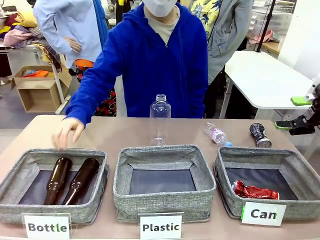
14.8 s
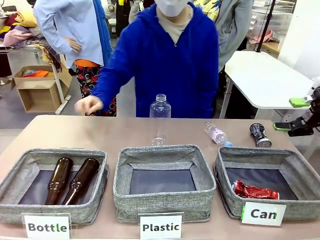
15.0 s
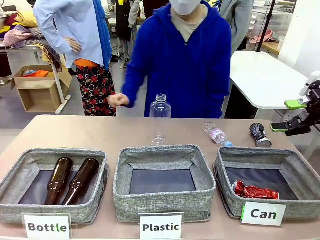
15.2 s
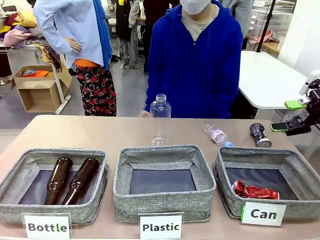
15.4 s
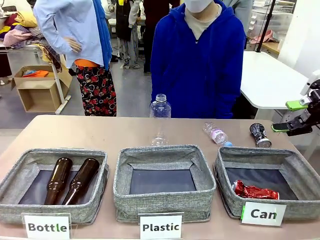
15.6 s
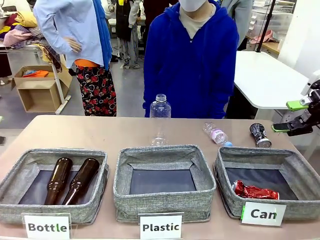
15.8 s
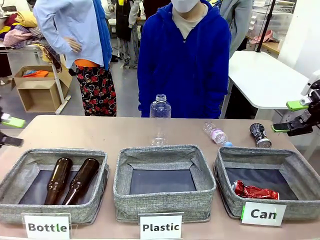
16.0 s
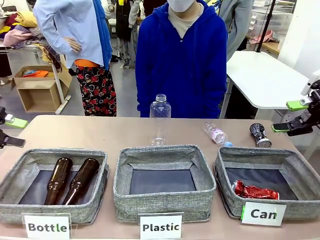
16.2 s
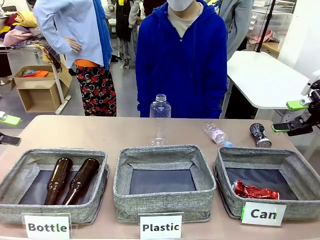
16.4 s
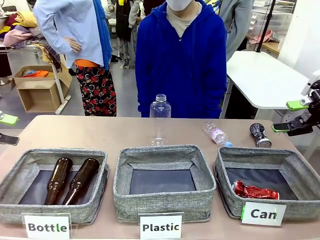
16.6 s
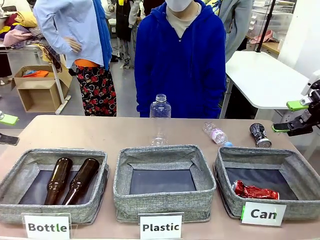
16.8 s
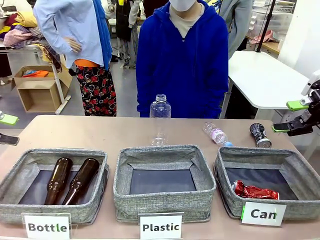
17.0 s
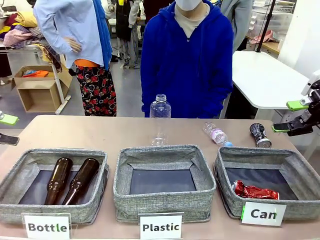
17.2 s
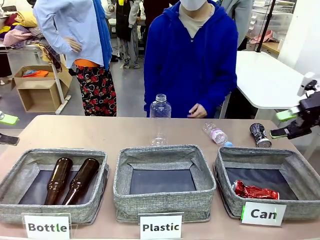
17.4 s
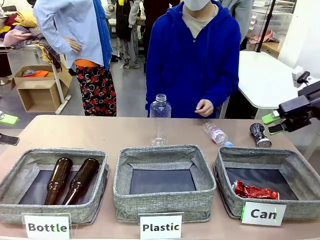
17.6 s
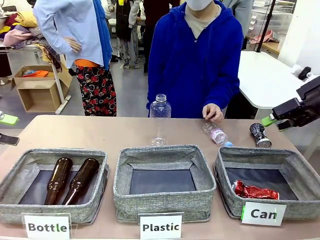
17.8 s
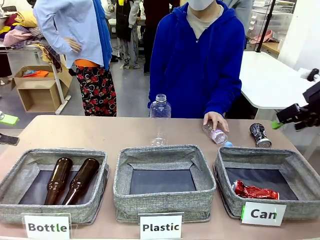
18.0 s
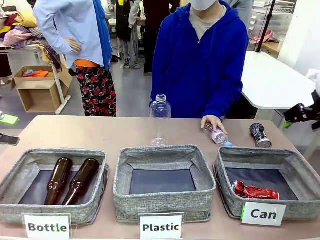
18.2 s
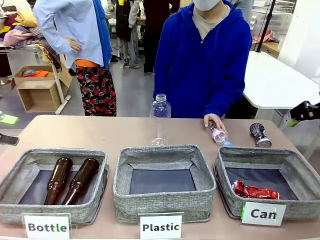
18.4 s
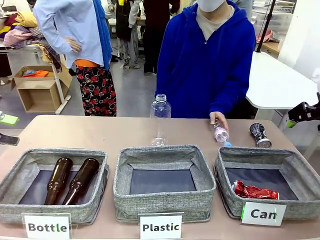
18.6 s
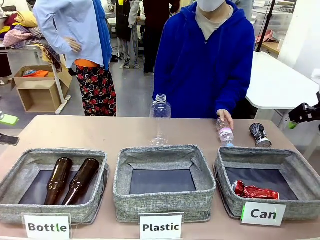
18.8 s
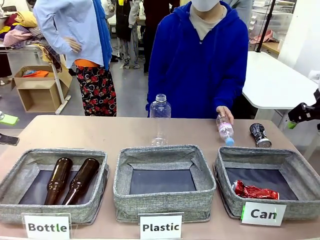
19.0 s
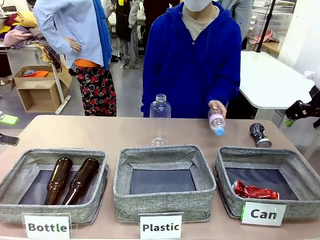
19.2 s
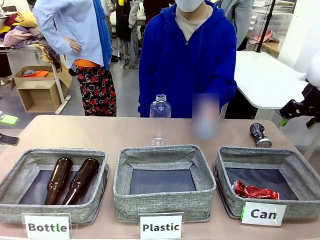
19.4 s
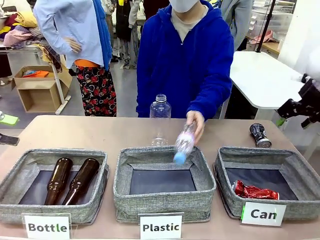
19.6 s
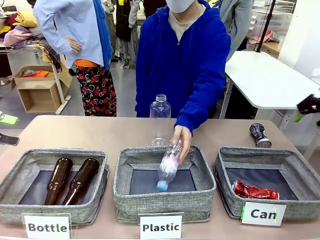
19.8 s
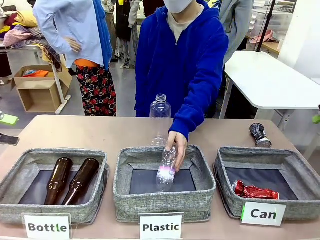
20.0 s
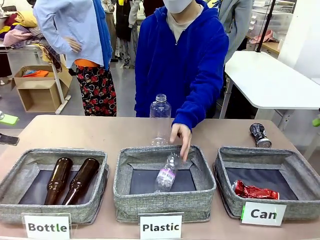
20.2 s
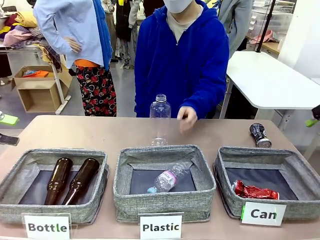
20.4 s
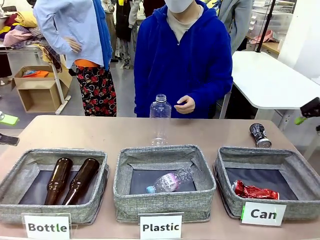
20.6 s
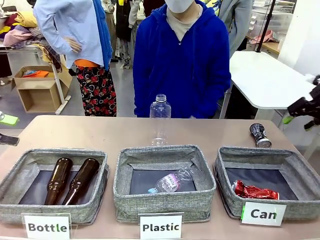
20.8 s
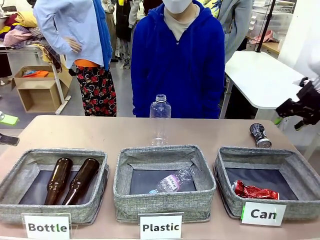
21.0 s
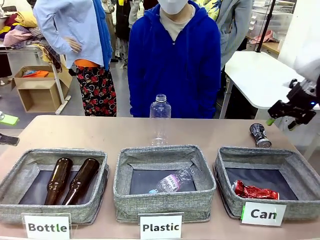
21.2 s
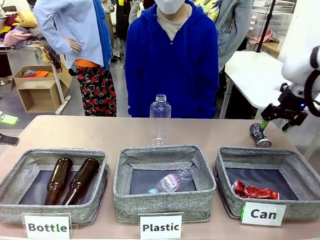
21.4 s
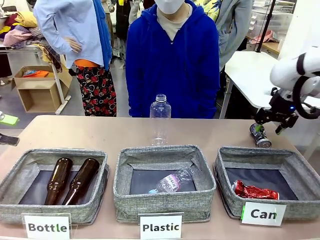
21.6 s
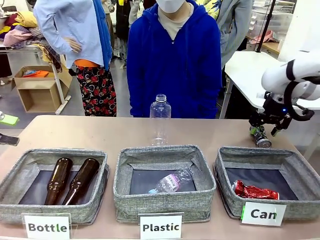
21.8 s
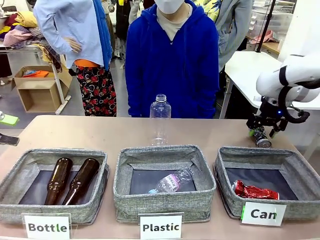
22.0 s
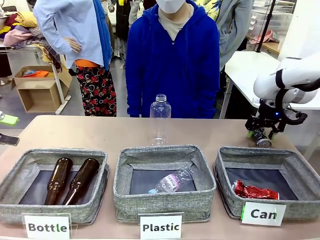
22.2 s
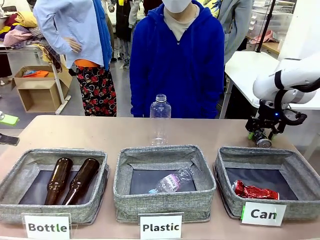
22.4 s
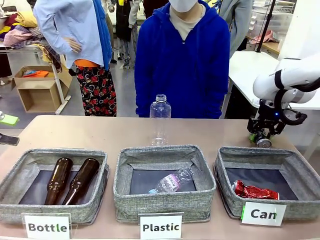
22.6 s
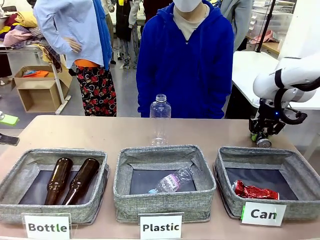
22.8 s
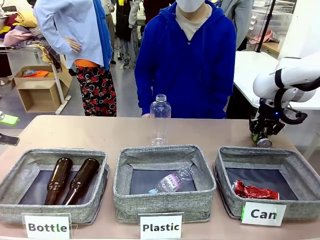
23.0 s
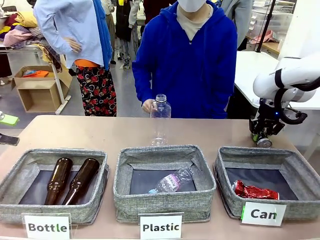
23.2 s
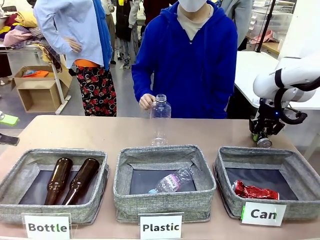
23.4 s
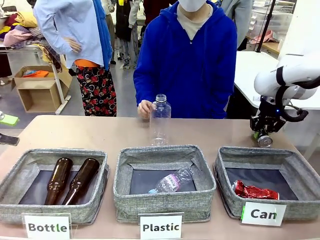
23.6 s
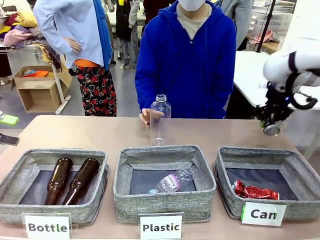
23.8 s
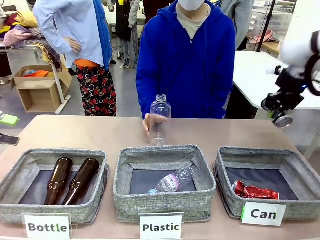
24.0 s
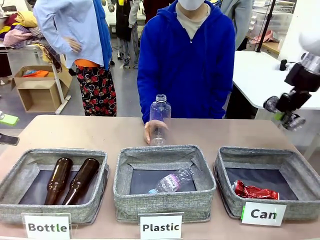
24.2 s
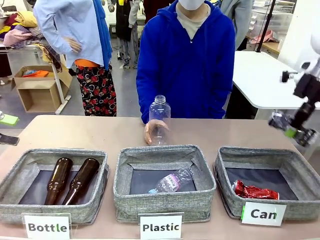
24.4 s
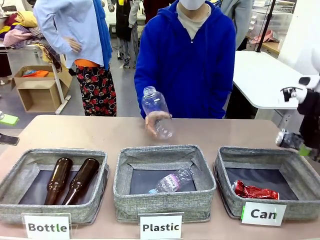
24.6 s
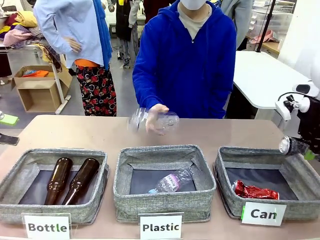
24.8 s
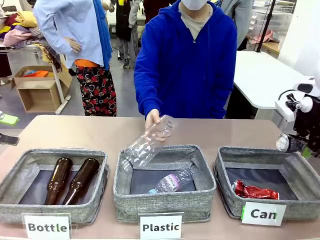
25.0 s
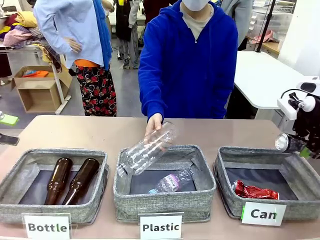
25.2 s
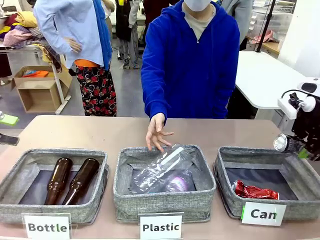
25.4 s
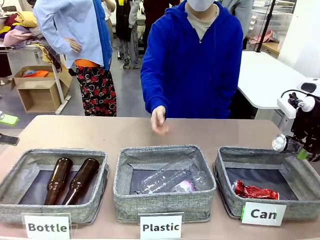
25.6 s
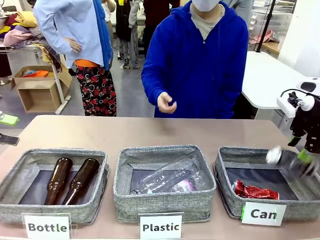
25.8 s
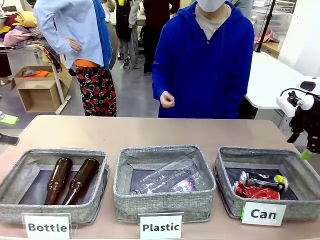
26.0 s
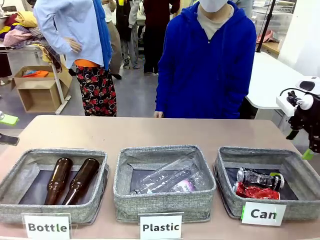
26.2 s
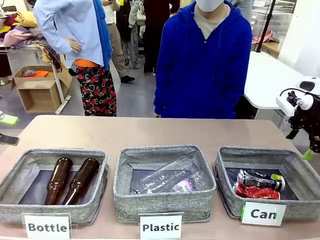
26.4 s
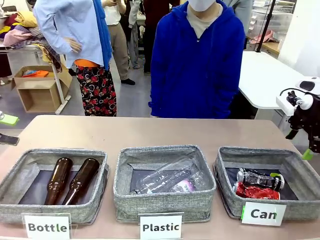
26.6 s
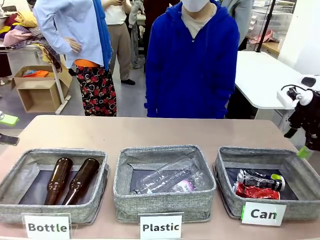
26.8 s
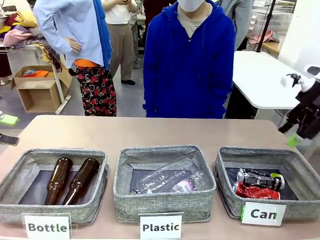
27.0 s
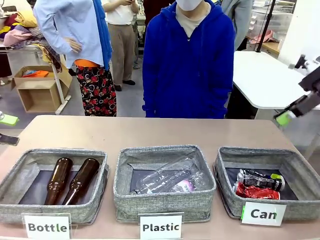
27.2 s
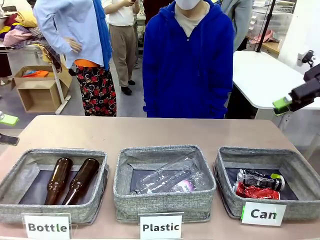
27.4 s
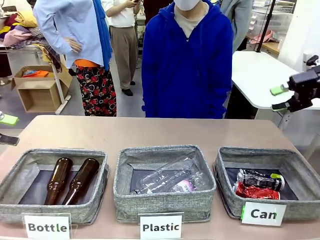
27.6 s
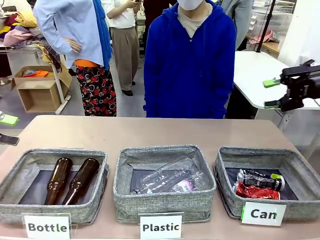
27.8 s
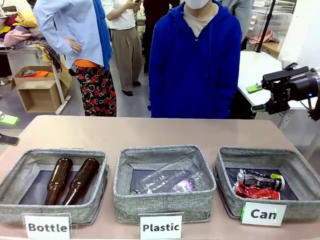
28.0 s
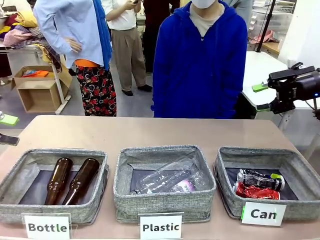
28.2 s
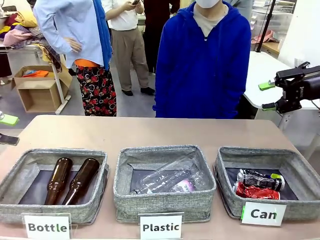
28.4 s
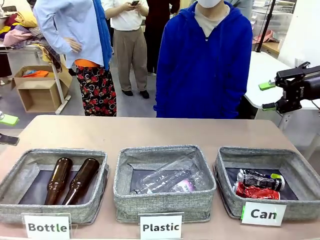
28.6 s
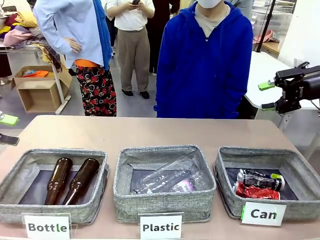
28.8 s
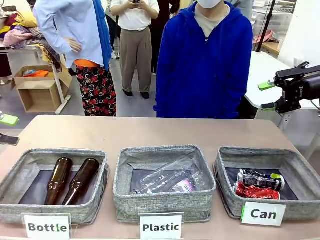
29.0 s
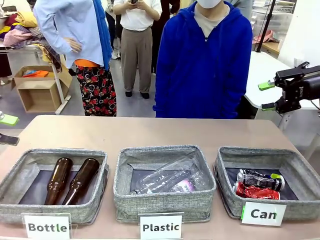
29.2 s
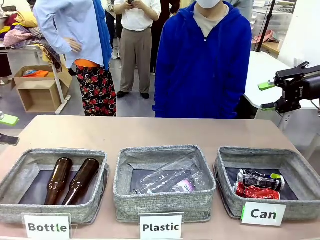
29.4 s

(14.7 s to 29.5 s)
Task: Sort the can waste into the basket.
Robot: Pick up the can waste from the table and place it in the right Fabric basket.
Person: The human picks up one piece of trash that is not a can and places the trash into the appropriate organizing basket.
